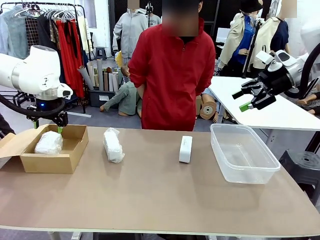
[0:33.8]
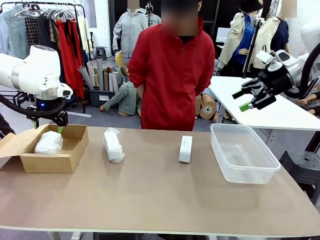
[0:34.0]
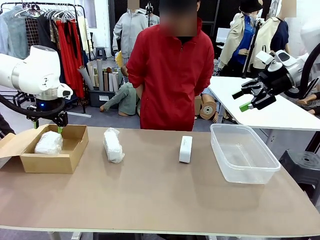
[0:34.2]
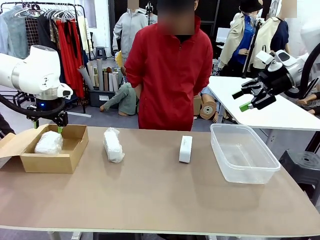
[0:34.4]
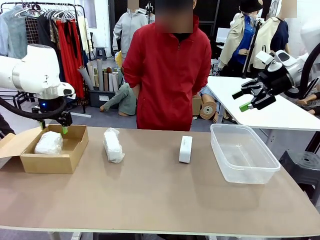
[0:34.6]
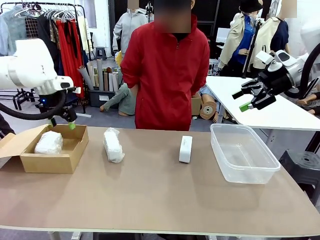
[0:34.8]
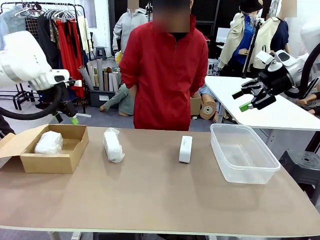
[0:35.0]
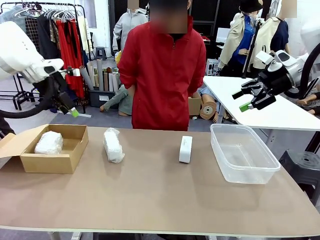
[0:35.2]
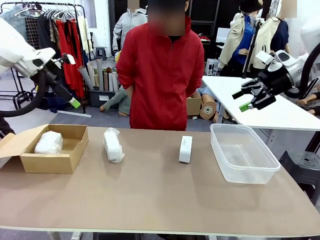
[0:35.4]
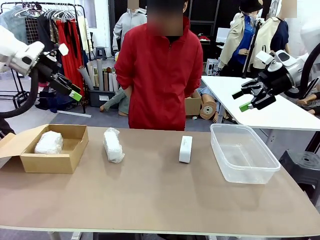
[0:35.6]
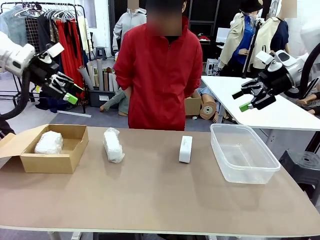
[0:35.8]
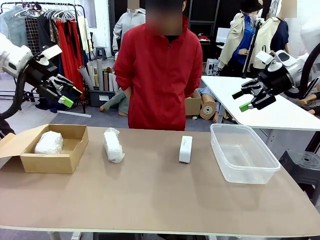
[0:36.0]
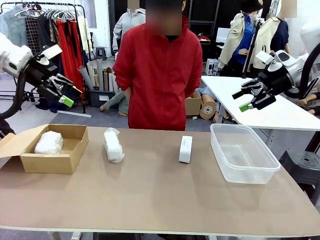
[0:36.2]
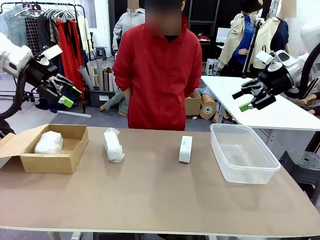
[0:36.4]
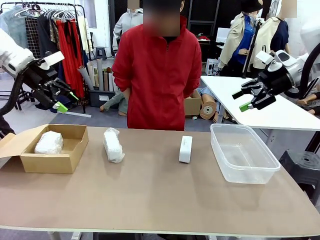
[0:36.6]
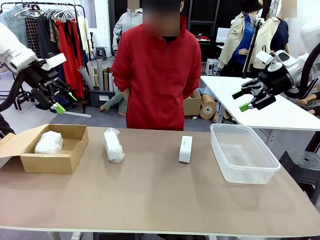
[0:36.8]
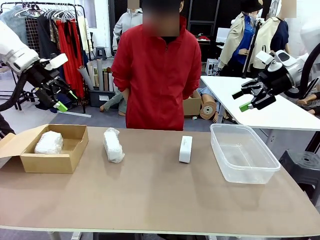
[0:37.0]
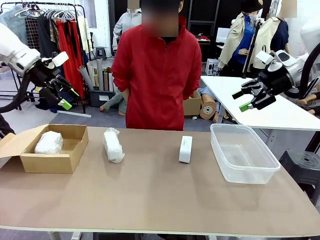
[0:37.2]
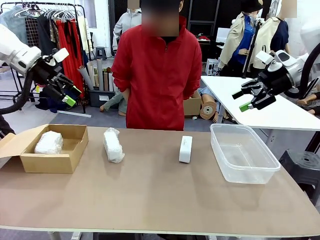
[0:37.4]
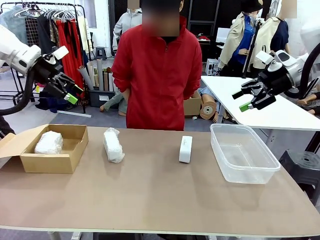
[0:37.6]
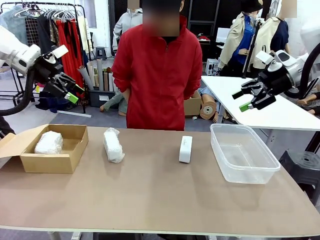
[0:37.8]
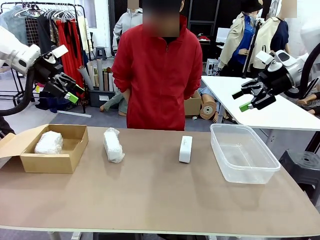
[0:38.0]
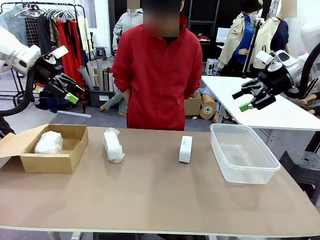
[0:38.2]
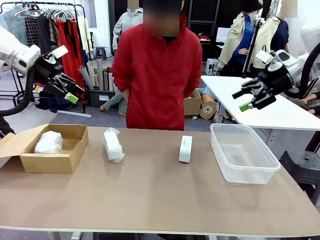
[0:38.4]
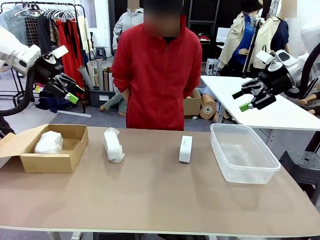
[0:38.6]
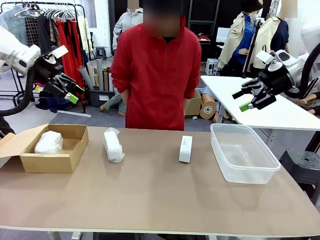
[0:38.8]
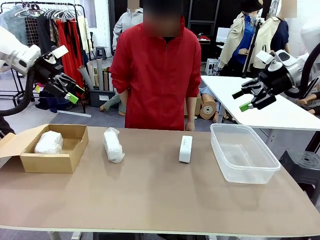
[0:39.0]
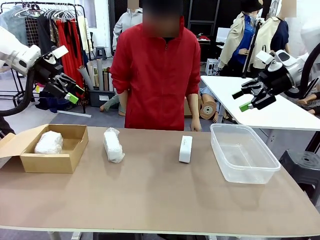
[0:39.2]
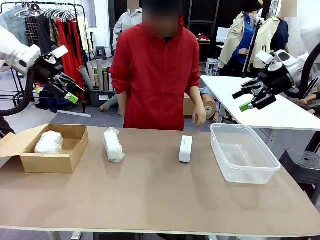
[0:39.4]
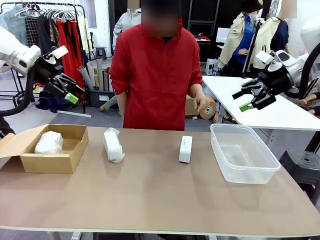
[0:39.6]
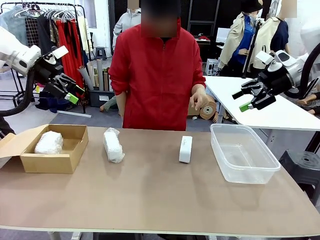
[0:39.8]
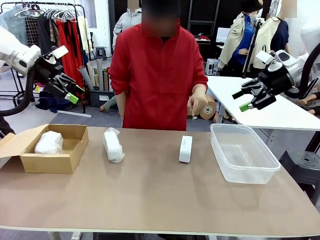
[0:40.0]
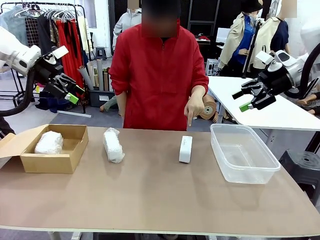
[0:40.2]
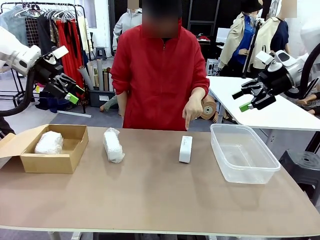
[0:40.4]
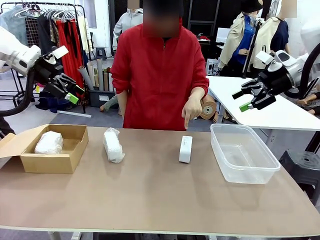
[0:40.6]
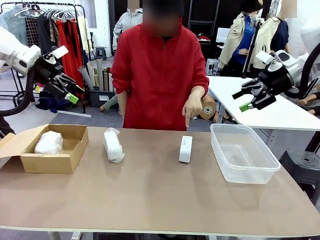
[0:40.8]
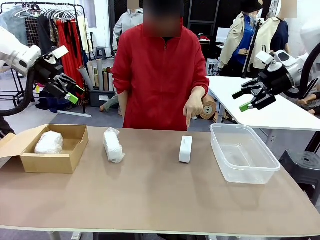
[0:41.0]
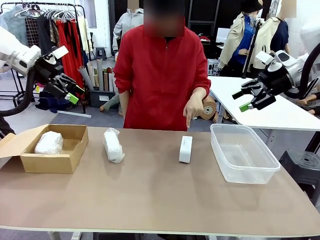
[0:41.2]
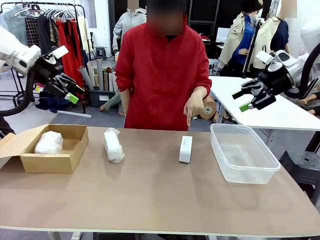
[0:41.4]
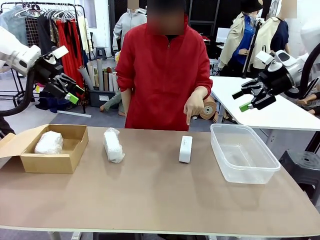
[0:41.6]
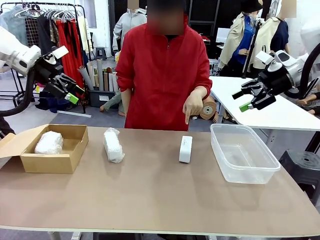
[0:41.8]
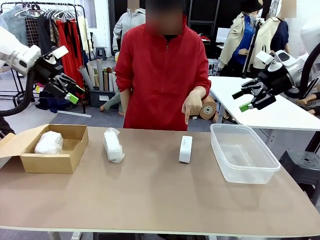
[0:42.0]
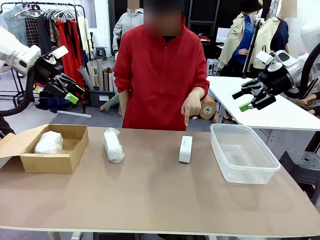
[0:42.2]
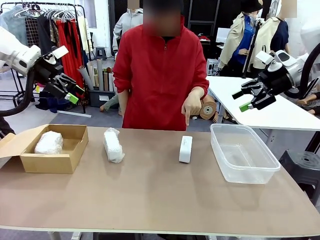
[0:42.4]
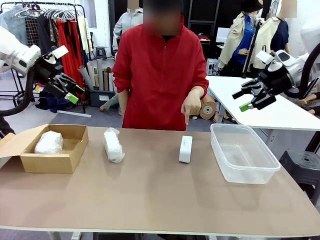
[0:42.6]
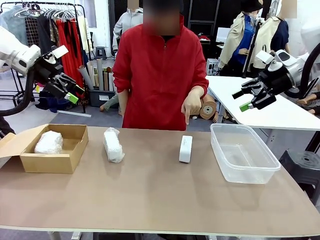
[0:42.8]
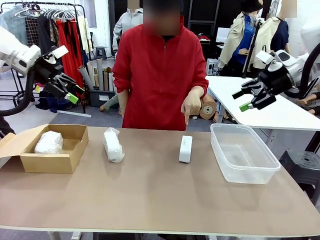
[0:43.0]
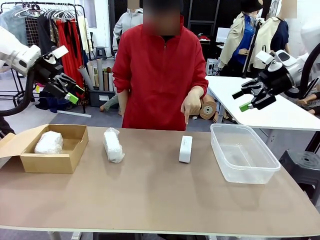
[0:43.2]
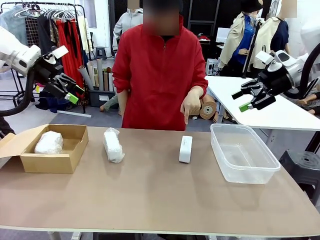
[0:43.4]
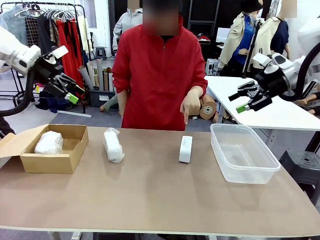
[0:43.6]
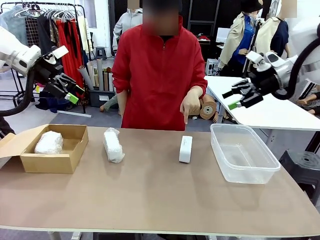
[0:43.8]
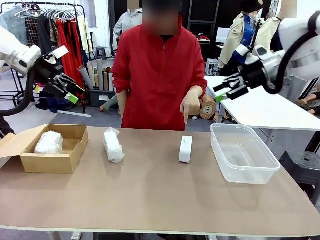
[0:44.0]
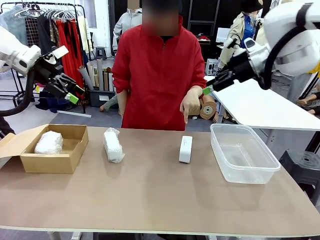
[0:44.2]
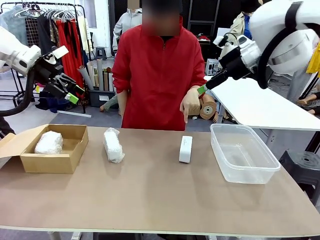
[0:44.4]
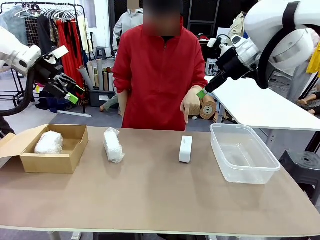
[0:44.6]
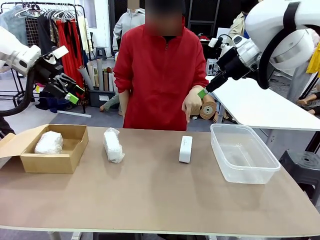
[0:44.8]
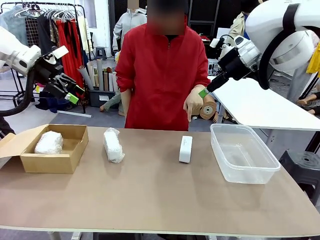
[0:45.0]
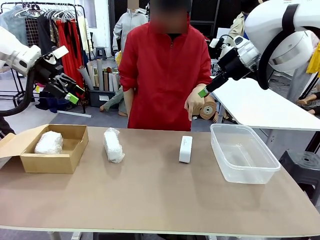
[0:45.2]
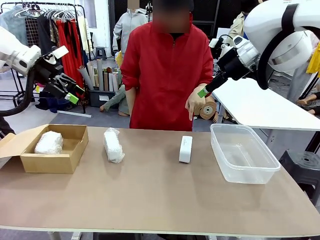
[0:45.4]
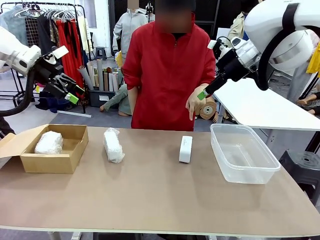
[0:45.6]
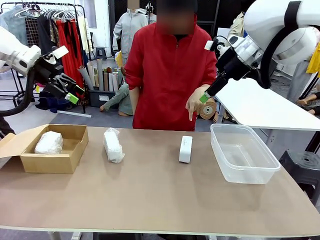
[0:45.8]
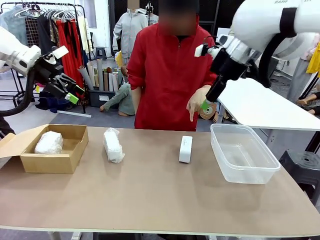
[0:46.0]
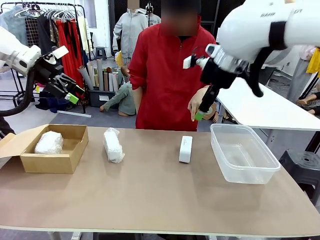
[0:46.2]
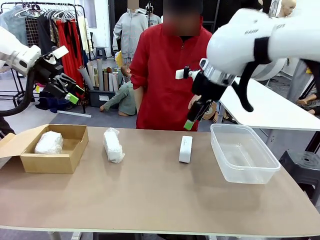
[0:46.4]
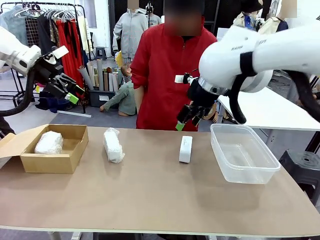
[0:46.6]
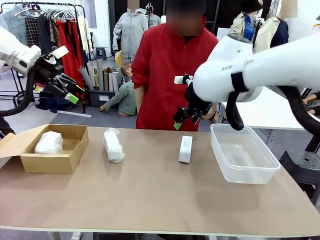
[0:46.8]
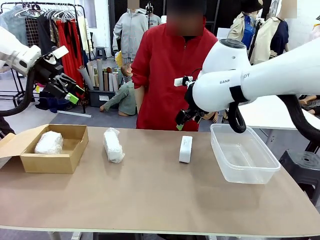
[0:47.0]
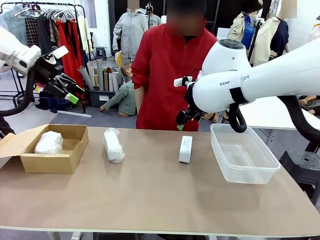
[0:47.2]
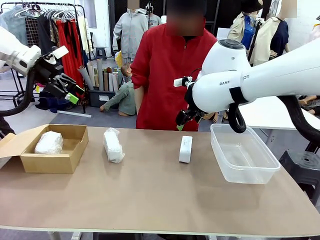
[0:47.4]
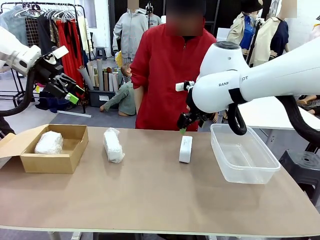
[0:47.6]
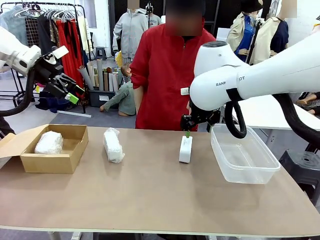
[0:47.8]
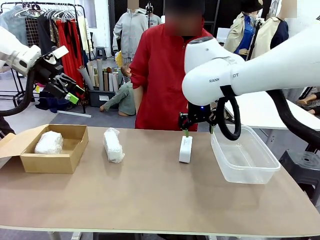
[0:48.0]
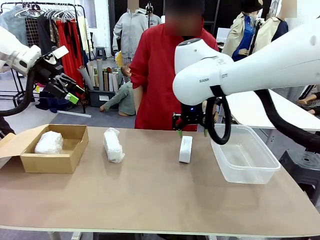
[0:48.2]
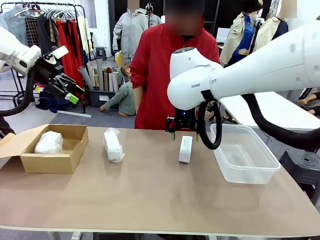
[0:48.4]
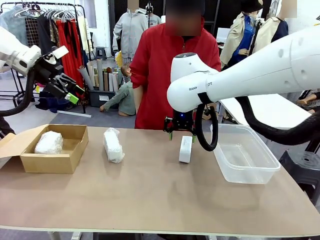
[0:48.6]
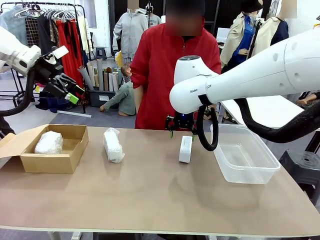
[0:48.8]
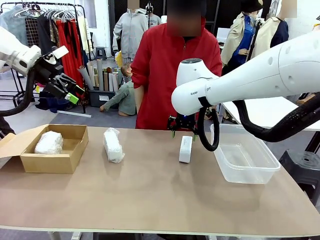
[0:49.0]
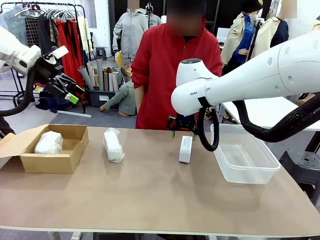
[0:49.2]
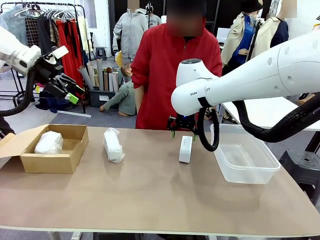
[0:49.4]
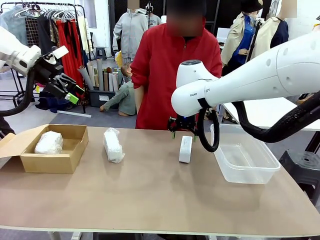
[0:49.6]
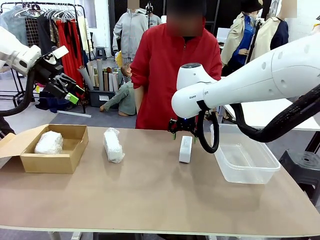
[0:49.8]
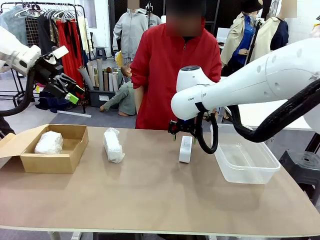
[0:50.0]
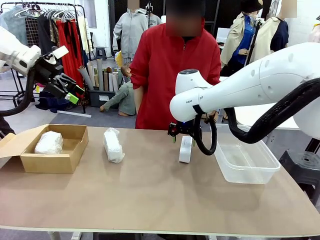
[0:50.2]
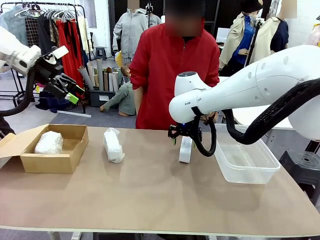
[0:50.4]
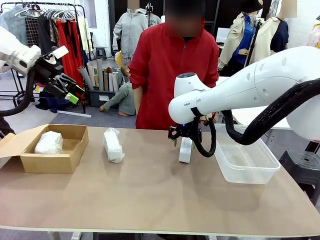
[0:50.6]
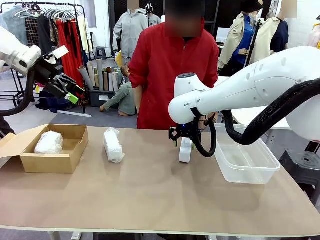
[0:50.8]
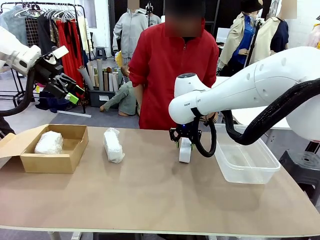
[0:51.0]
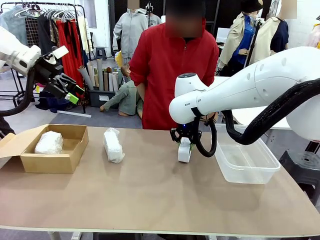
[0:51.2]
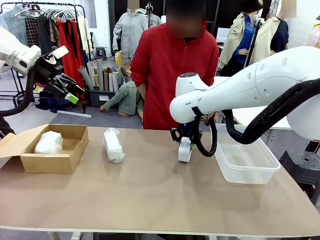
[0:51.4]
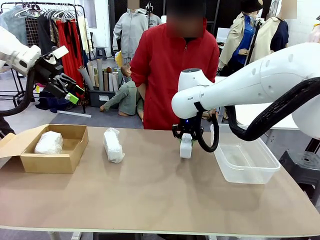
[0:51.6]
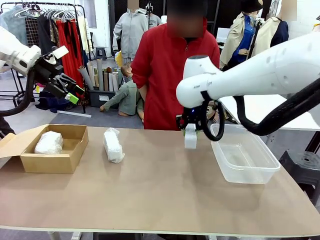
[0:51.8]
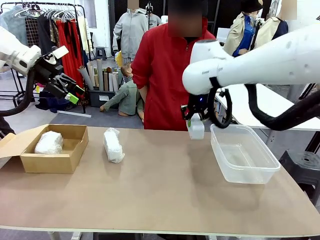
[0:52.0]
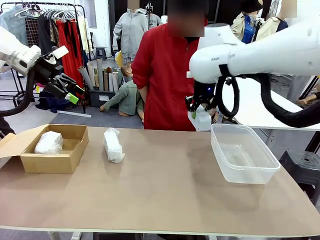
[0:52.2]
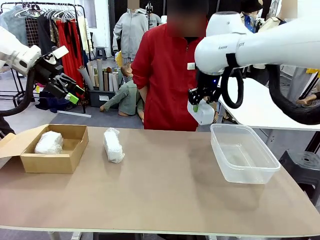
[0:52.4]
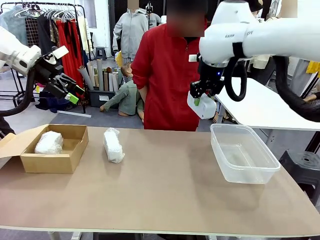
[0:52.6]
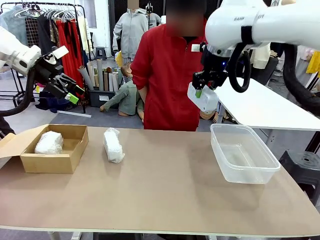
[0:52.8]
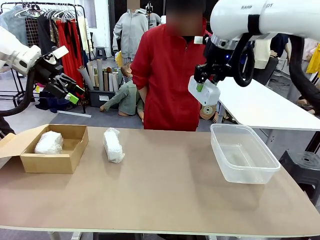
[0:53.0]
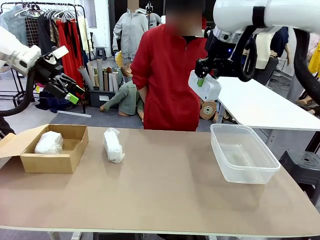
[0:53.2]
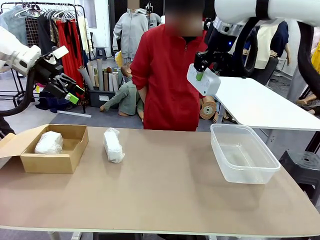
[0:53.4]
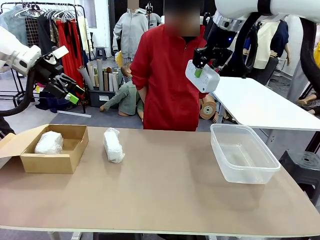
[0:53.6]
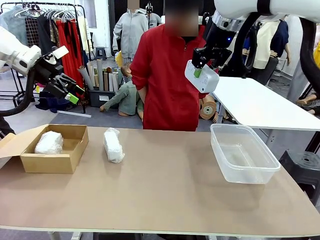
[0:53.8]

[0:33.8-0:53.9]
Task: Separate and place wrapped and unwrapped clocks.
Robot: Pick up the Digital clock indicated by the person.

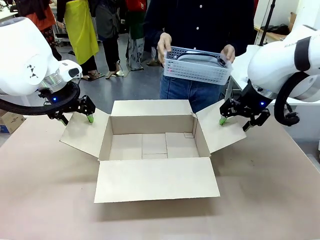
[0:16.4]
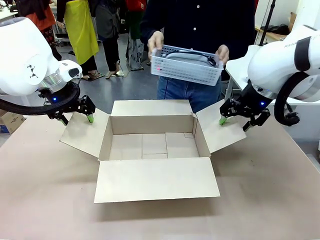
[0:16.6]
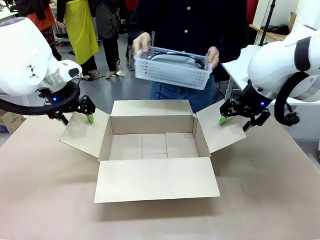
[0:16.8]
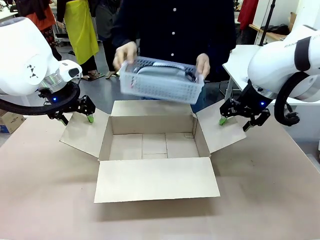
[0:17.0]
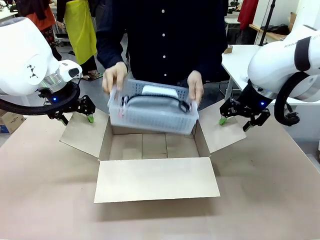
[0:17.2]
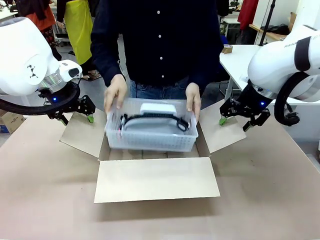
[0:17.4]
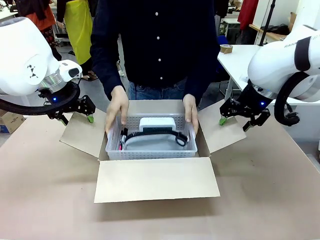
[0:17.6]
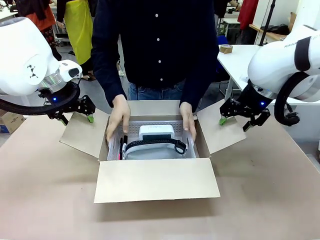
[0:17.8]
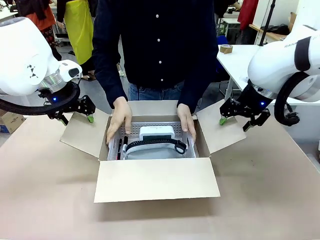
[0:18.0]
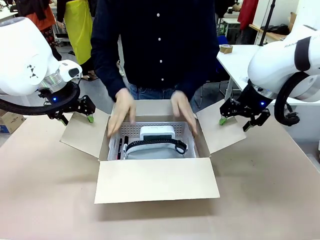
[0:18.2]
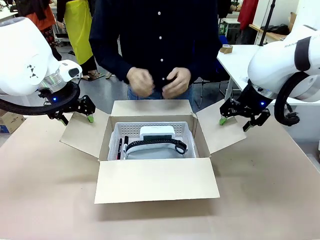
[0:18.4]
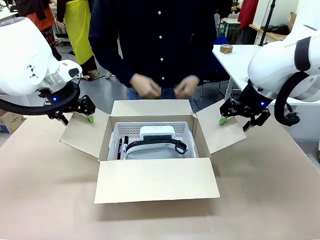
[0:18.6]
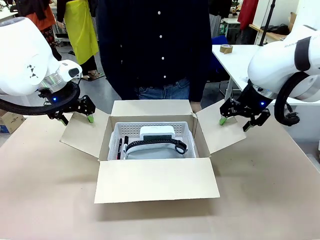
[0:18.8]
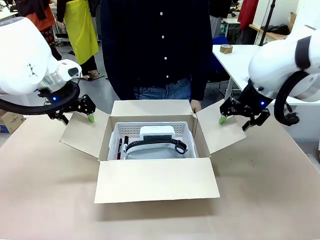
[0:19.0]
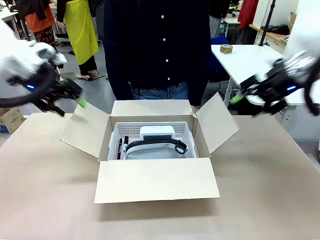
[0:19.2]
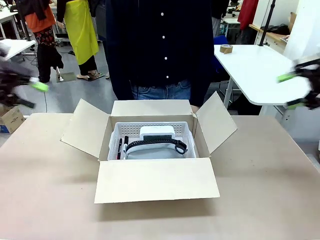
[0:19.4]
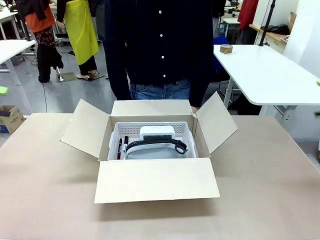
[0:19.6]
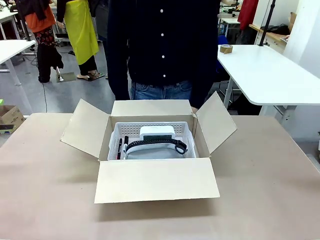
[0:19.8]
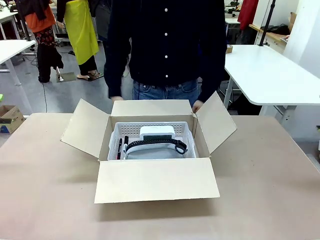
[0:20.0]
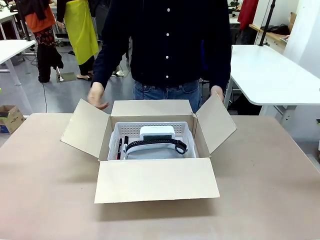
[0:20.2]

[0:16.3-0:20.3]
Task: Pack the gift set into the box.
Robot: Lift both hands away from the flaps of the Package Box.
Person: The human picks up the organizing basket and places the organizing basket into the package box on the robot table.
